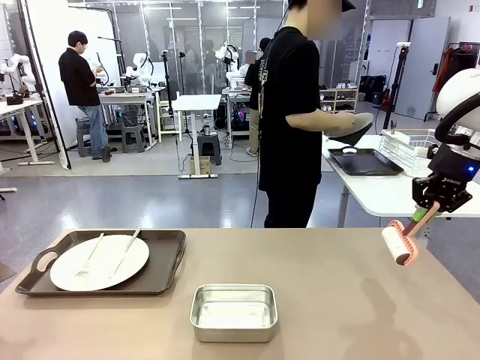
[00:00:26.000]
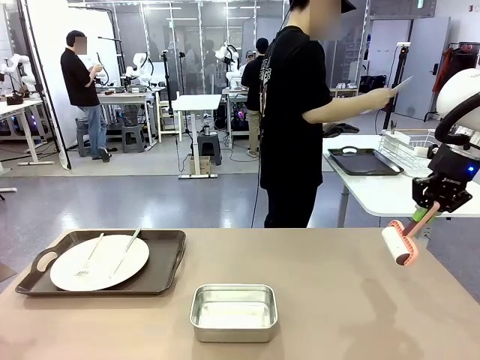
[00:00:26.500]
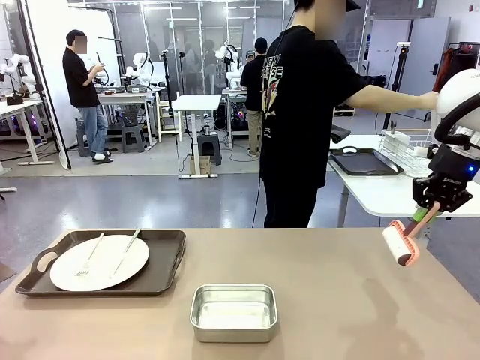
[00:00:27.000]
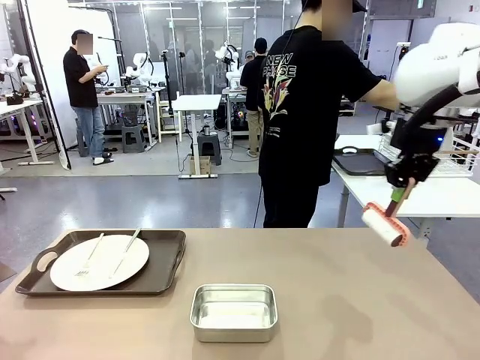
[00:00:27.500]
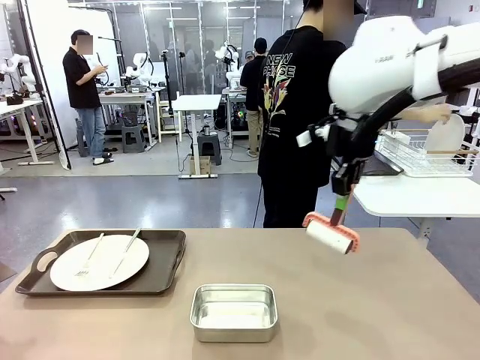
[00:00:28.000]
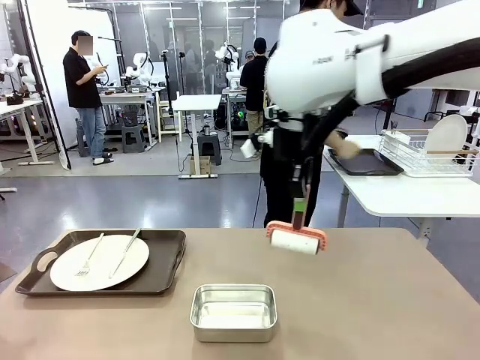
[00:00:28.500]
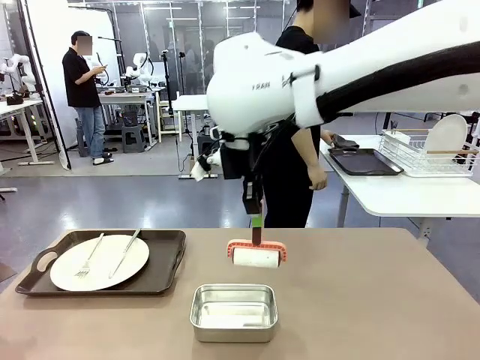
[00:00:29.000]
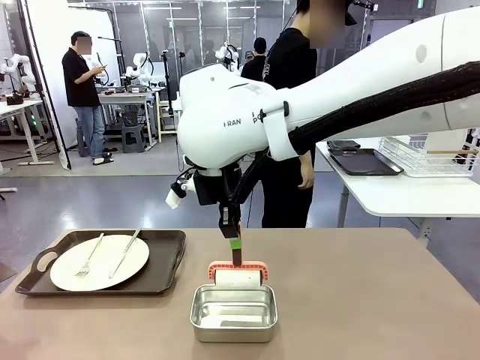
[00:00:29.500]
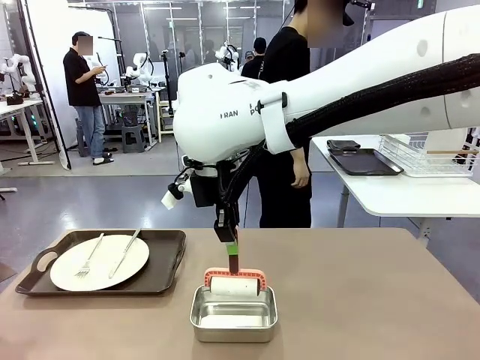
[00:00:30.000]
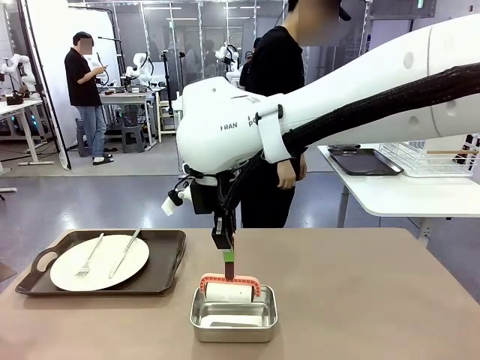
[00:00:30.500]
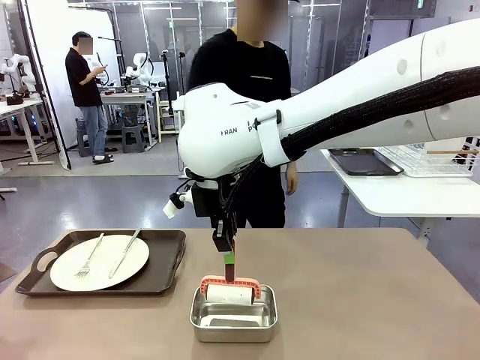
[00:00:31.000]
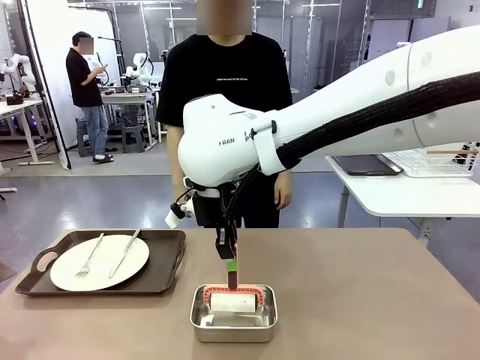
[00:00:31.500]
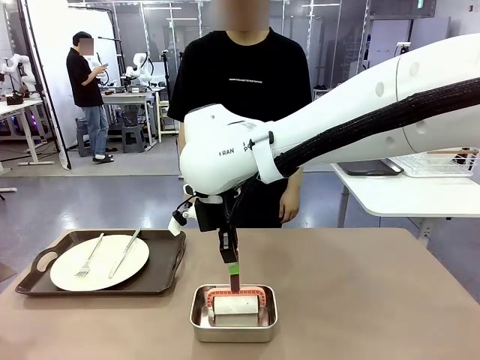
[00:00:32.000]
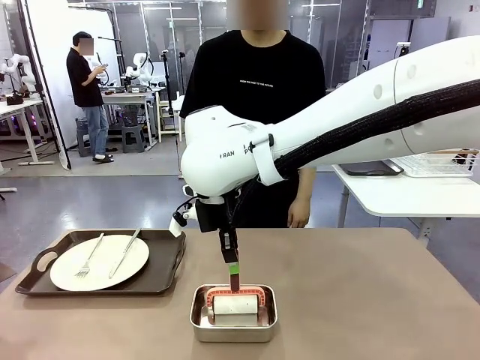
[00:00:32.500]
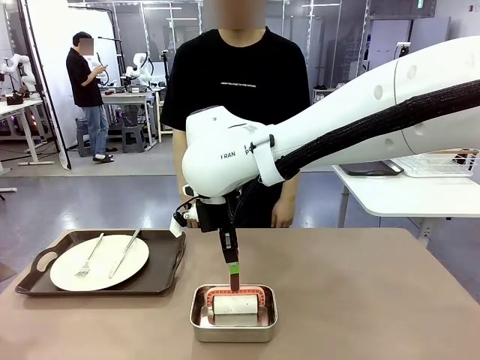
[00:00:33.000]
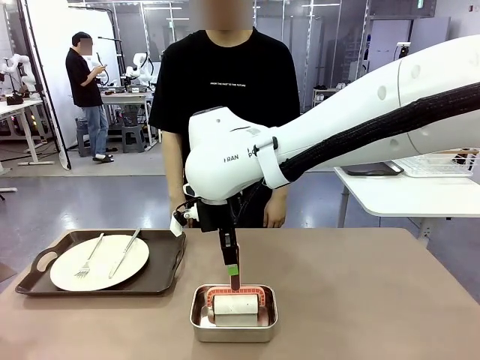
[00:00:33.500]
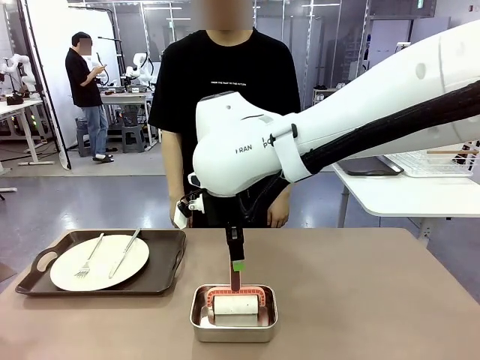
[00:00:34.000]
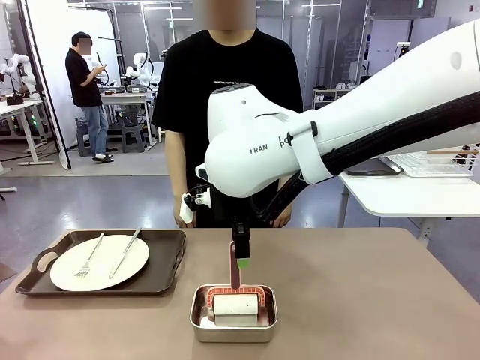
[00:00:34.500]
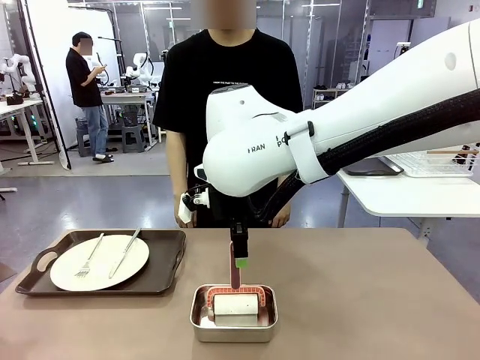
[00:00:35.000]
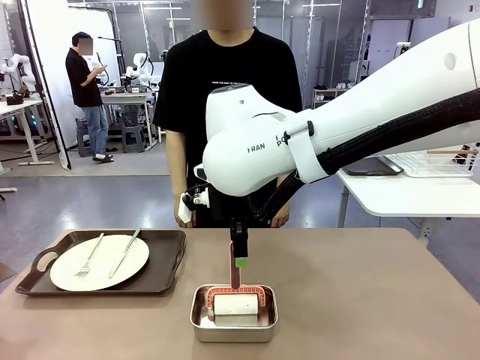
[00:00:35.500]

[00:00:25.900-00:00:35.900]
Robot: Place the Lint Roller back on top of the Airtight Container.

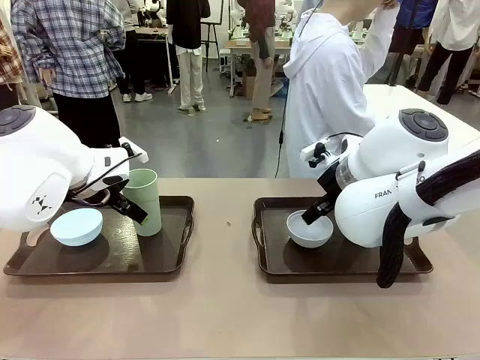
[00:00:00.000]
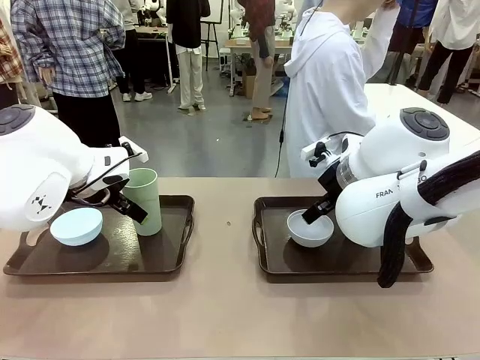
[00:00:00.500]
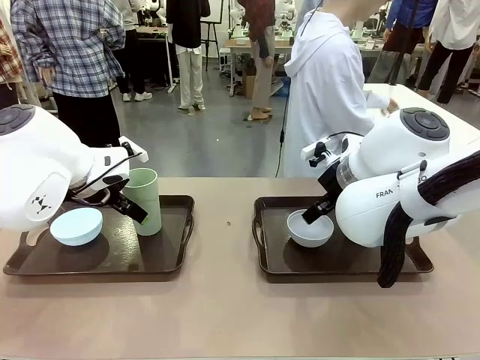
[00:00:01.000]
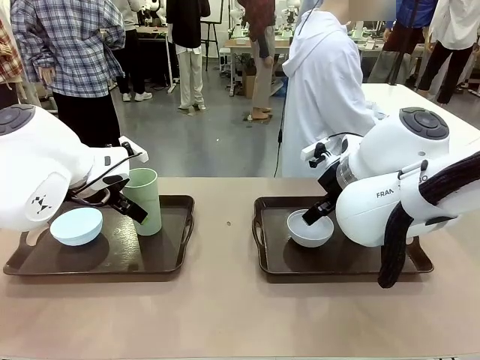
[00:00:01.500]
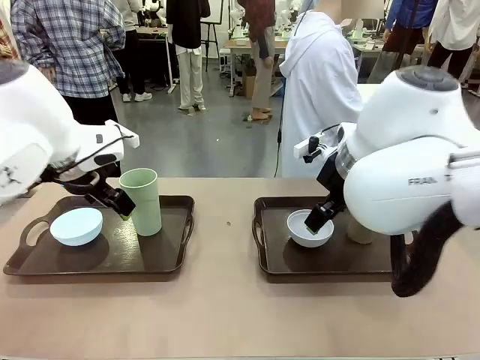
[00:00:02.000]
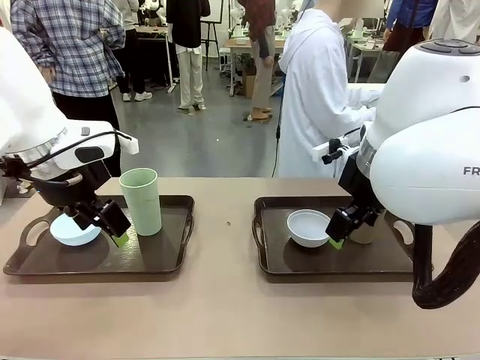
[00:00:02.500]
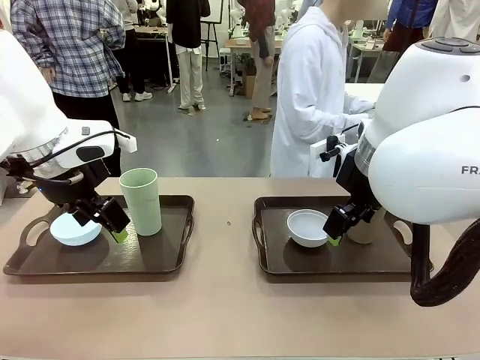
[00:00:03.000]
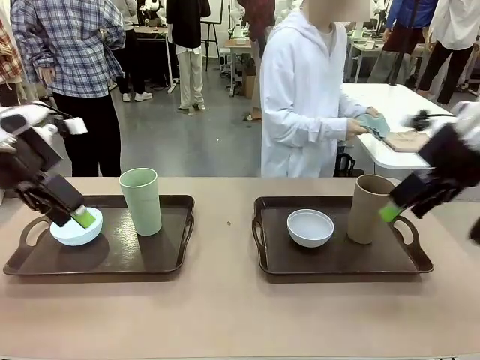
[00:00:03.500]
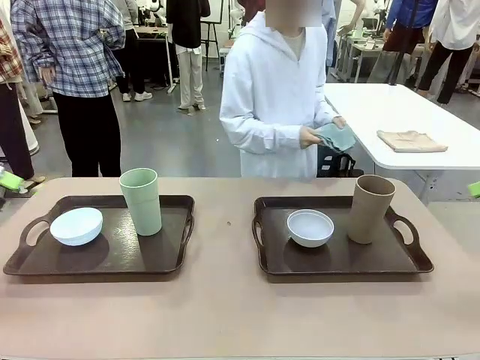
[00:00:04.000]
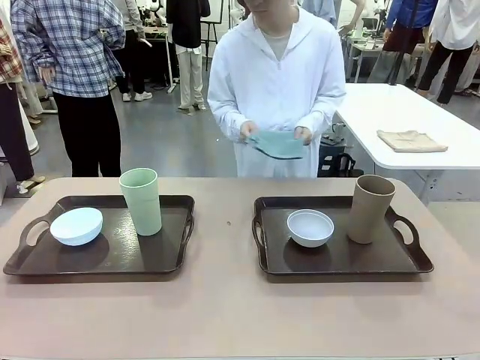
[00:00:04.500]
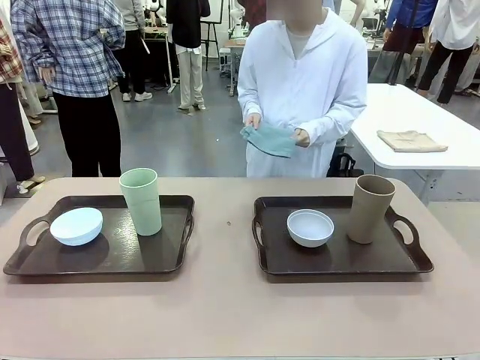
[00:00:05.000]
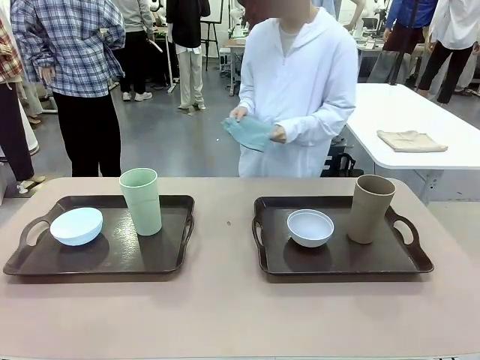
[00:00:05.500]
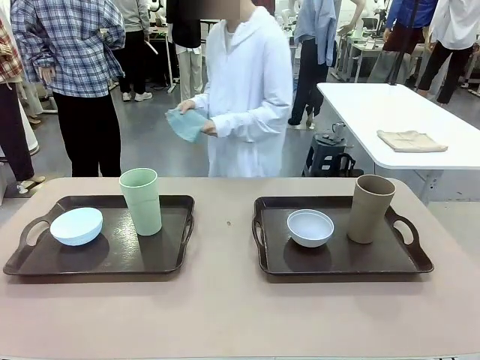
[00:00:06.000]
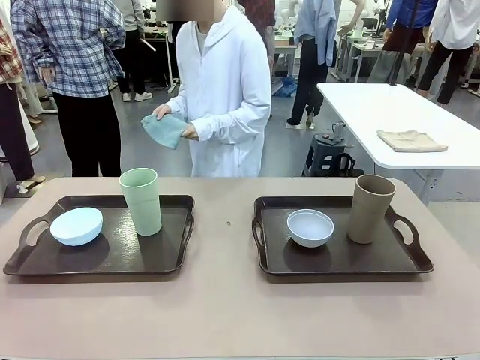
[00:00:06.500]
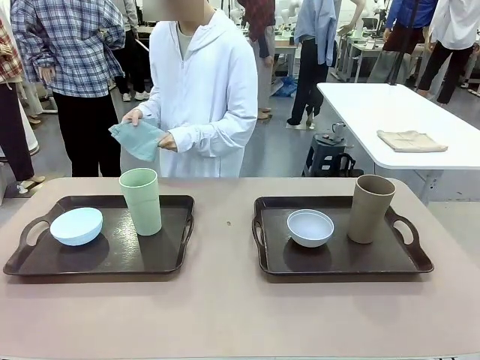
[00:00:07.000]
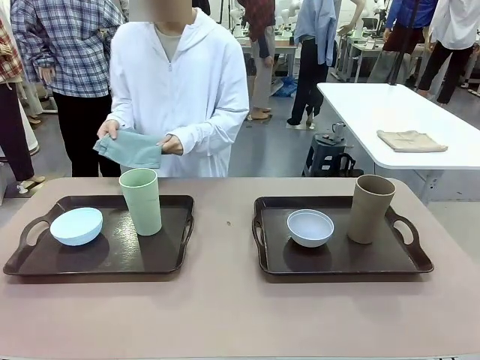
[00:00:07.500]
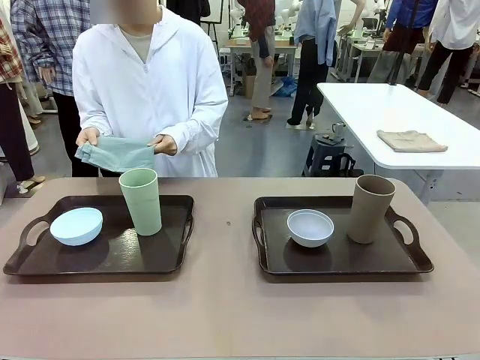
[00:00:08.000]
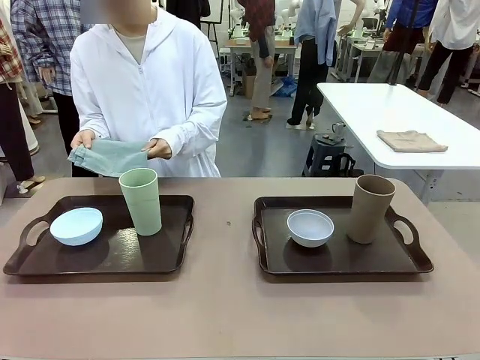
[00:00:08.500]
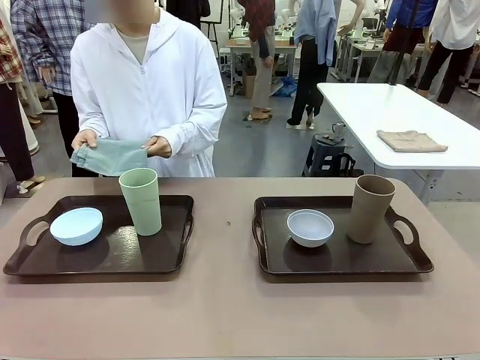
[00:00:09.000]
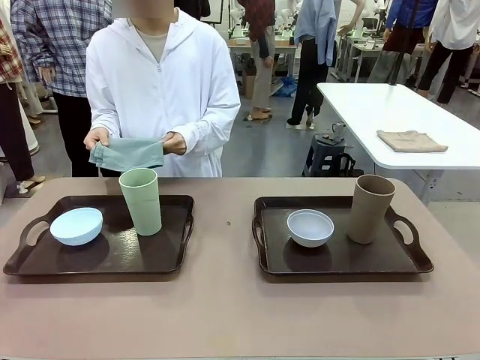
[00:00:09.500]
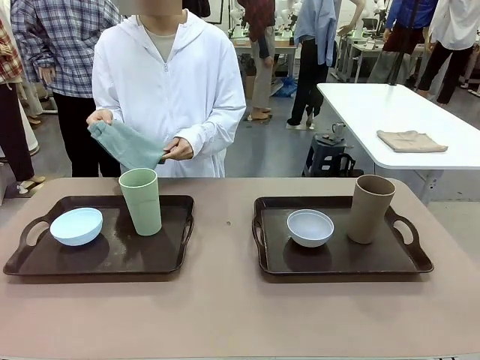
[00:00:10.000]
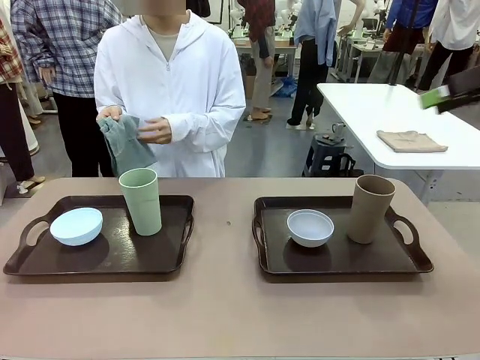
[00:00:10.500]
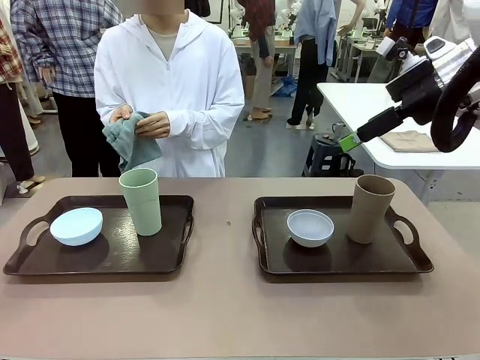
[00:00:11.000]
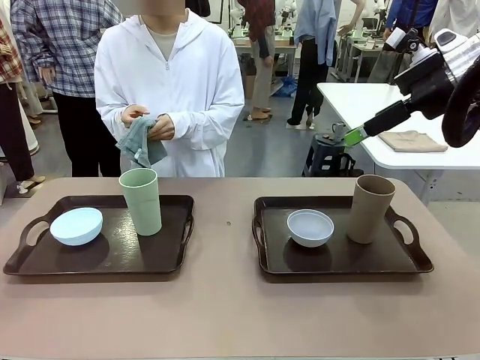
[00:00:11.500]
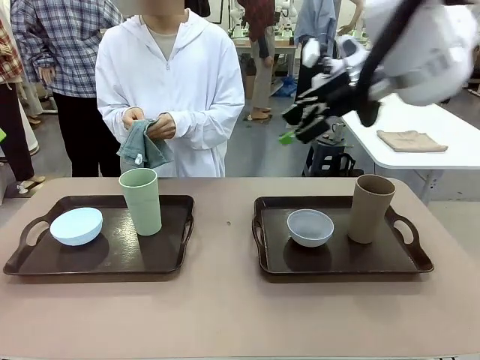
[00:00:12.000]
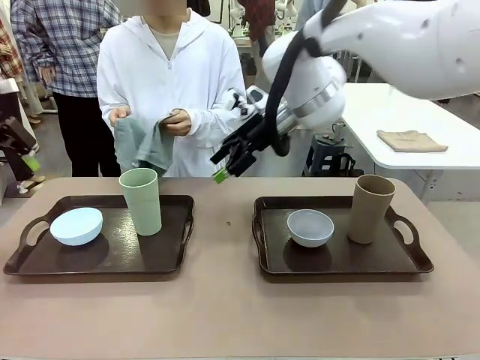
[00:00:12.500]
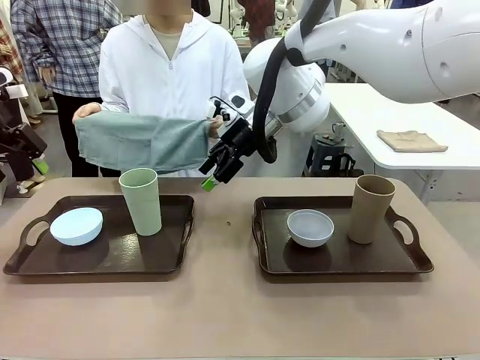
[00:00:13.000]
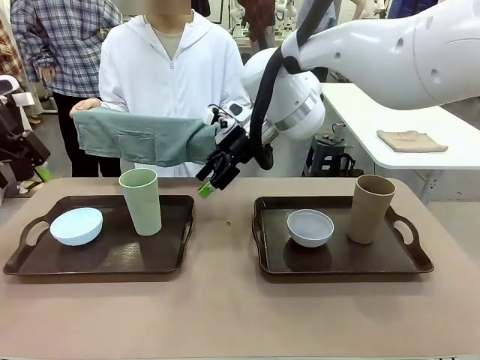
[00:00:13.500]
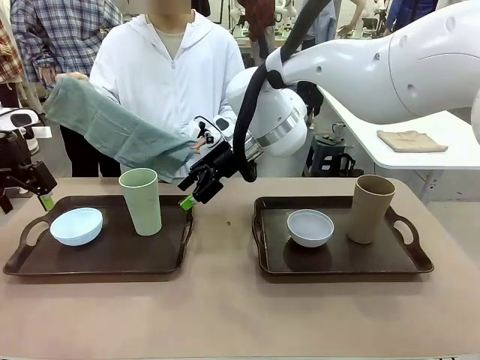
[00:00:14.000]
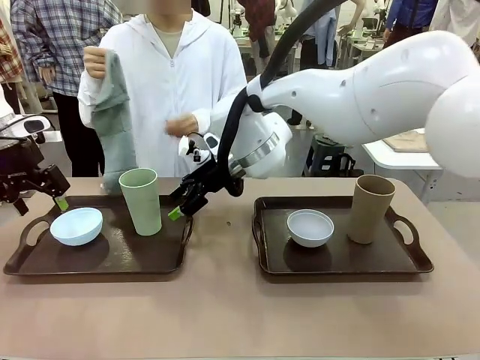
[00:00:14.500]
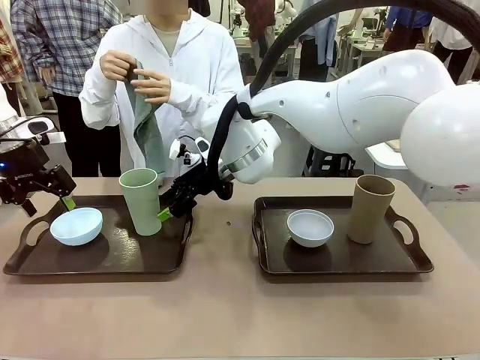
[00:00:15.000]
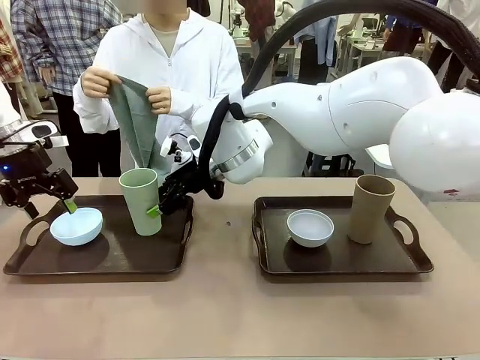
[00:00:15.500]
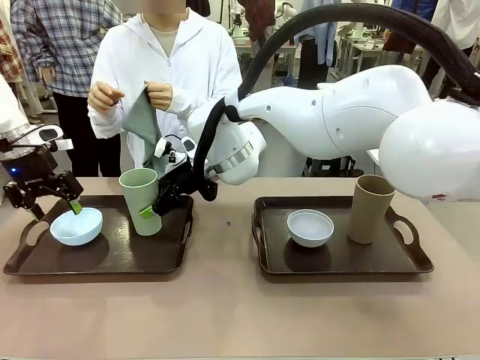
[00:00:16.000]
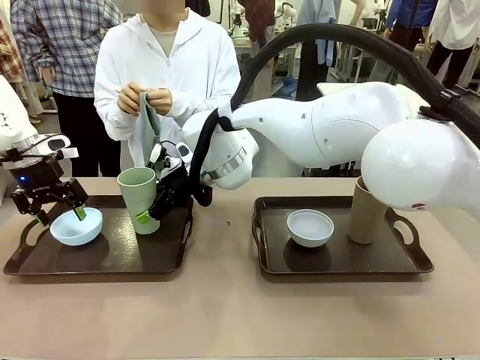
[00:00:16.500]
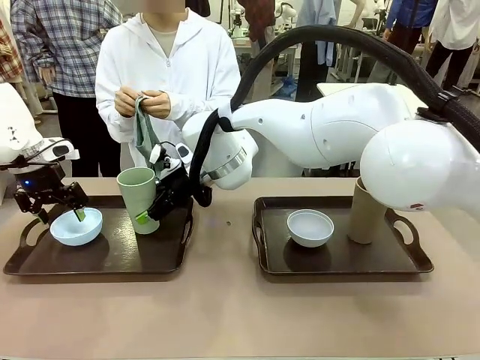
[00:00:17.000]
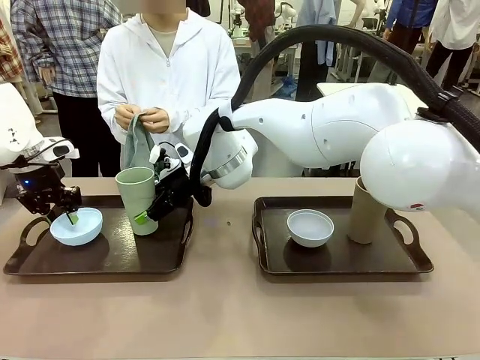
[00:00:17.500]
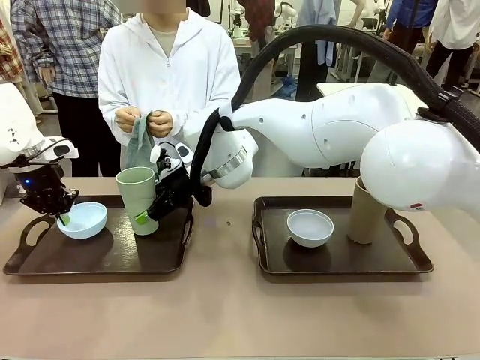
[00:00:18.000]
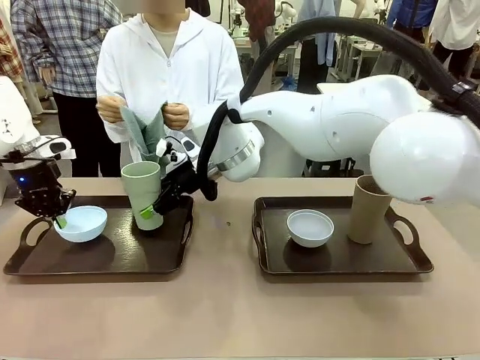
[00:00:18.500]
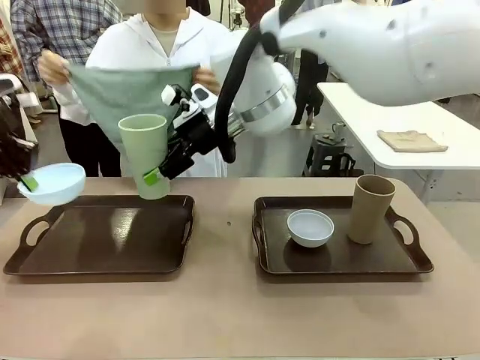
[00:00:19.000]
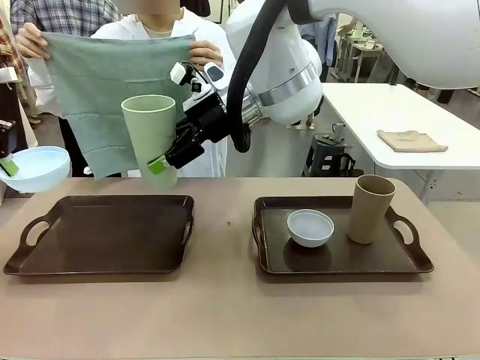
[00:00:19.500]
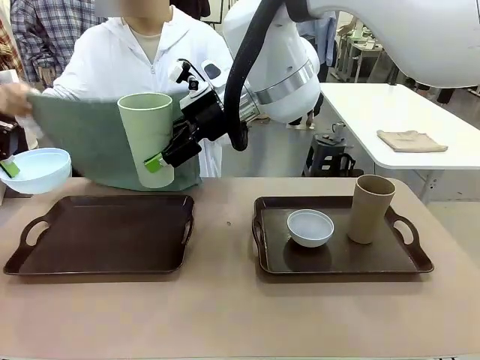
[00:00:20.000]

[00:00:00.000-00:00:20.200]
Robot: Pick up the Picnic Bowl and Reusable plastic cup from the Handle tray in front of the human's position and hold them in the air.
Person: The human picks up the top napkin from the stack on the human table and walks to the robot table to stand in front of one of the two trays. When the robot lifts the bowl and the cup, the human unfolds the napkin and lays the napkin flat on the tray.
